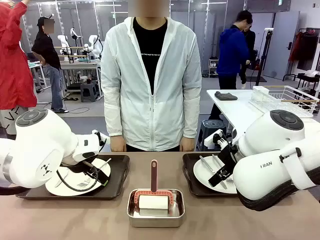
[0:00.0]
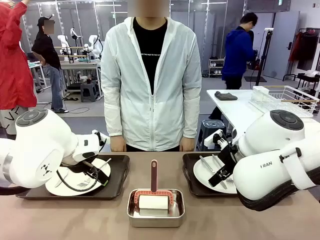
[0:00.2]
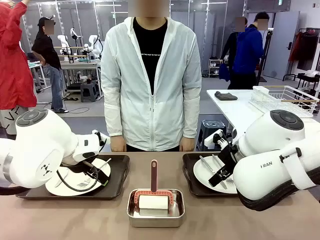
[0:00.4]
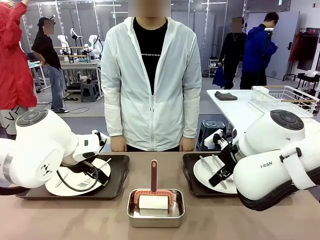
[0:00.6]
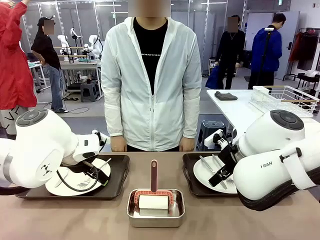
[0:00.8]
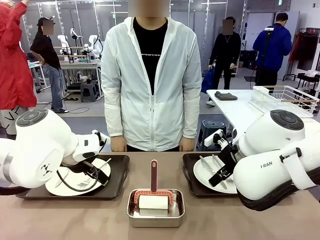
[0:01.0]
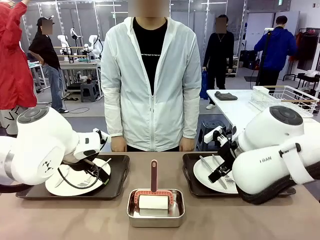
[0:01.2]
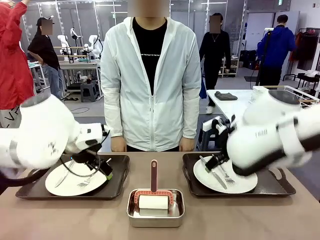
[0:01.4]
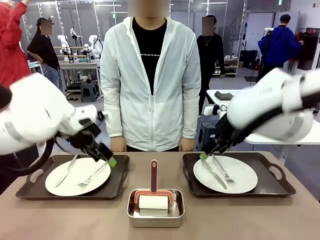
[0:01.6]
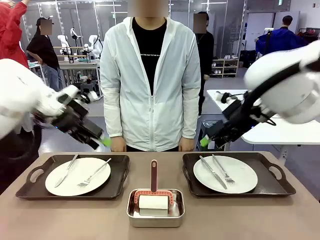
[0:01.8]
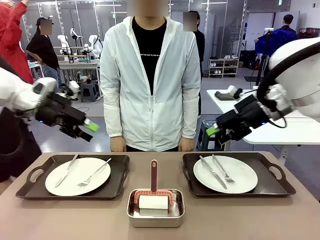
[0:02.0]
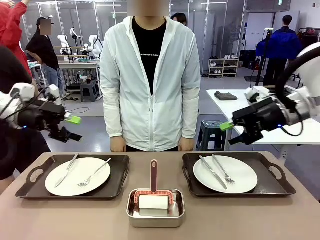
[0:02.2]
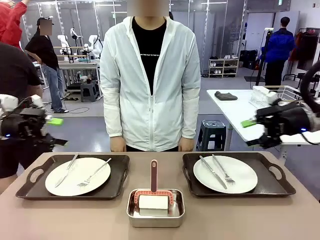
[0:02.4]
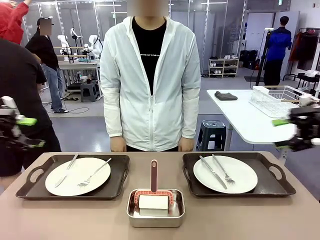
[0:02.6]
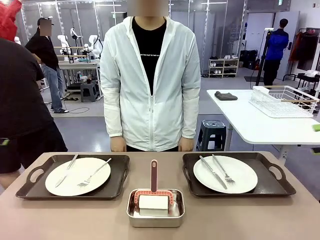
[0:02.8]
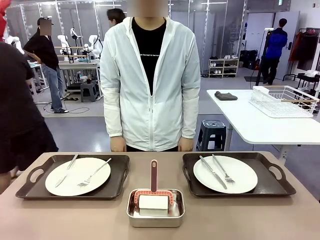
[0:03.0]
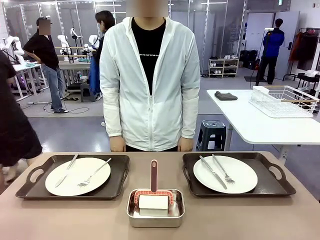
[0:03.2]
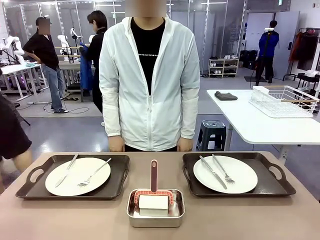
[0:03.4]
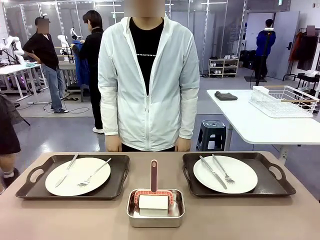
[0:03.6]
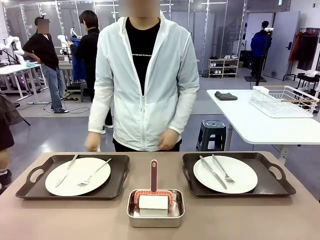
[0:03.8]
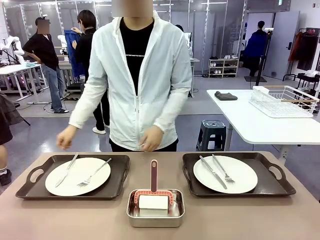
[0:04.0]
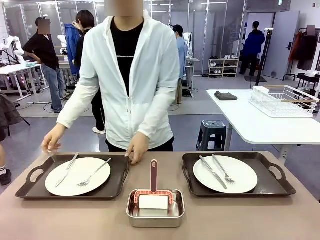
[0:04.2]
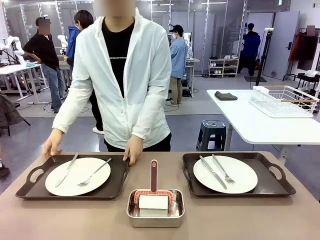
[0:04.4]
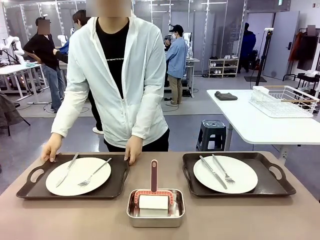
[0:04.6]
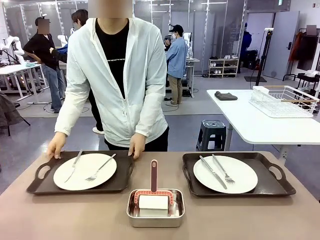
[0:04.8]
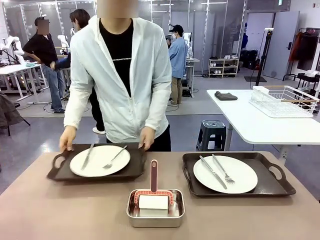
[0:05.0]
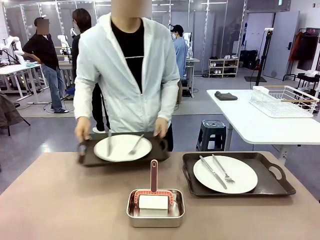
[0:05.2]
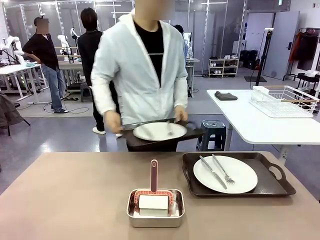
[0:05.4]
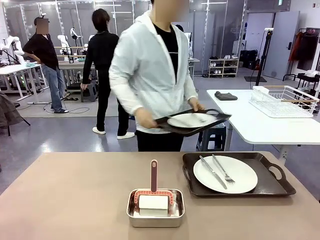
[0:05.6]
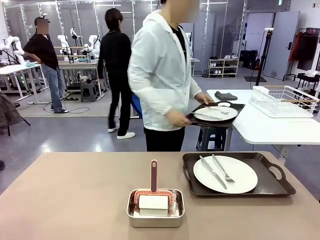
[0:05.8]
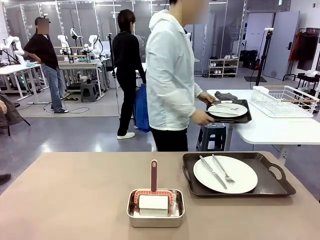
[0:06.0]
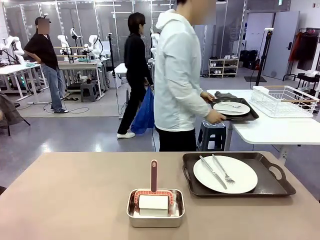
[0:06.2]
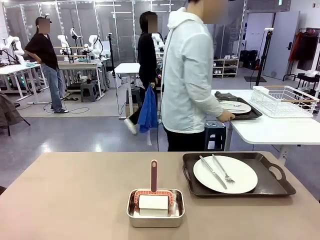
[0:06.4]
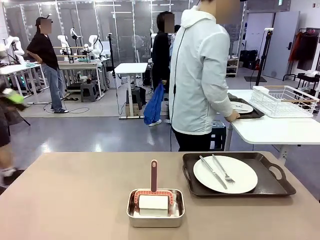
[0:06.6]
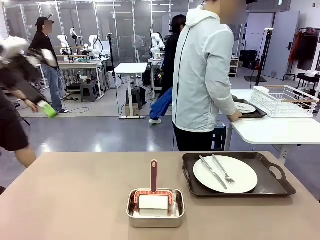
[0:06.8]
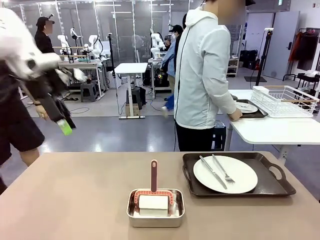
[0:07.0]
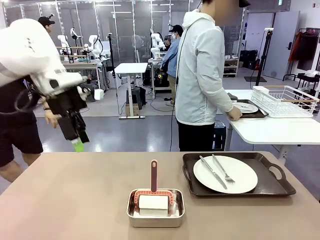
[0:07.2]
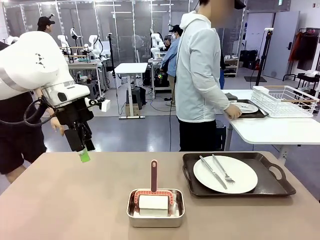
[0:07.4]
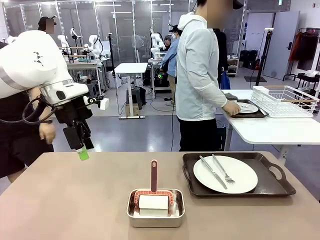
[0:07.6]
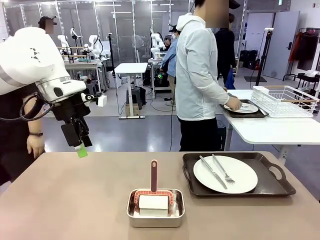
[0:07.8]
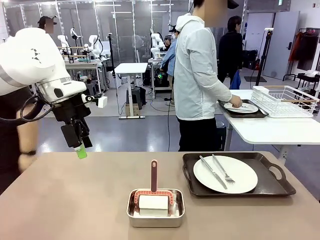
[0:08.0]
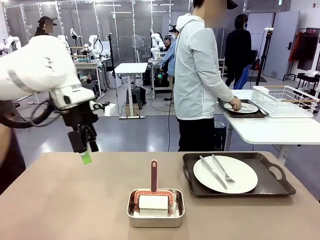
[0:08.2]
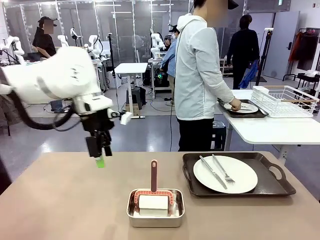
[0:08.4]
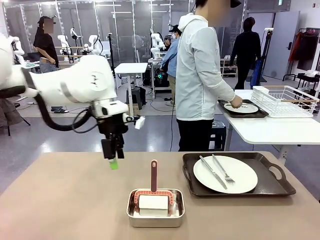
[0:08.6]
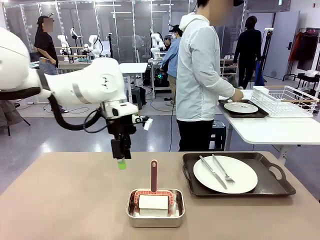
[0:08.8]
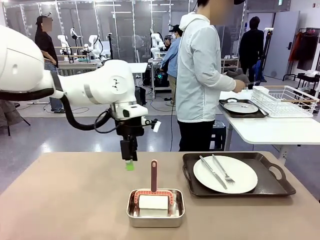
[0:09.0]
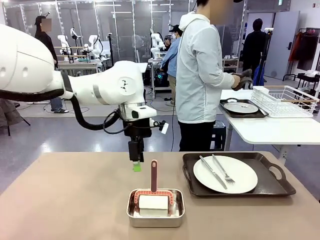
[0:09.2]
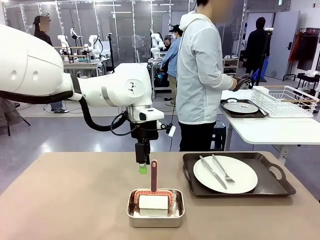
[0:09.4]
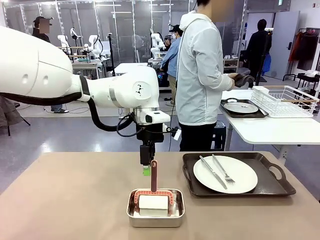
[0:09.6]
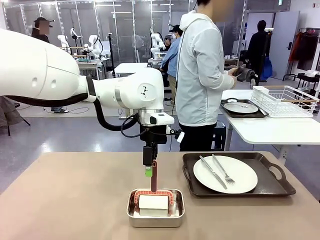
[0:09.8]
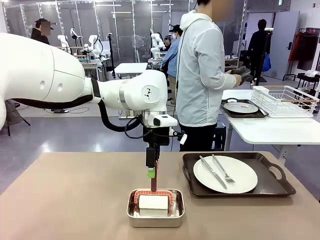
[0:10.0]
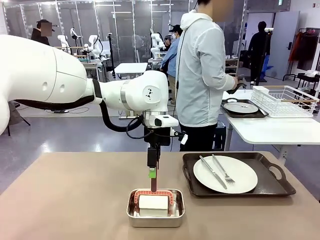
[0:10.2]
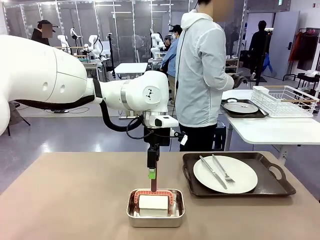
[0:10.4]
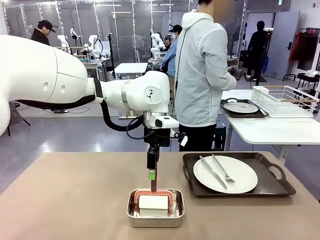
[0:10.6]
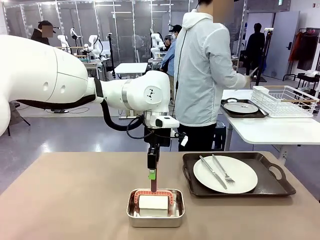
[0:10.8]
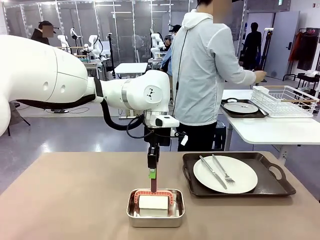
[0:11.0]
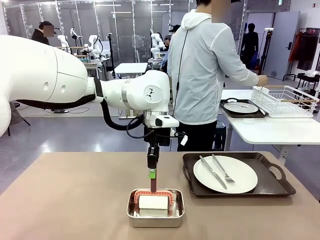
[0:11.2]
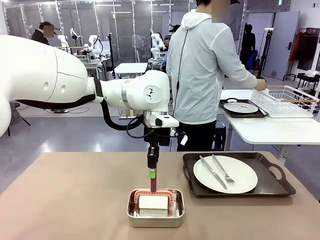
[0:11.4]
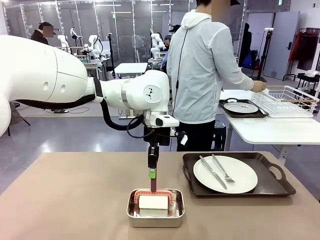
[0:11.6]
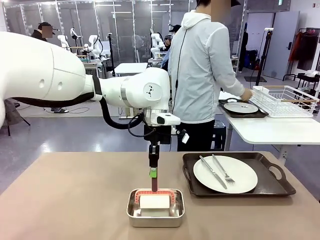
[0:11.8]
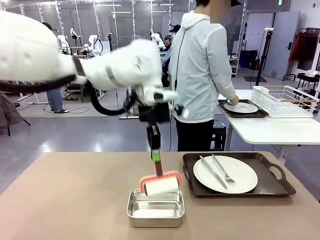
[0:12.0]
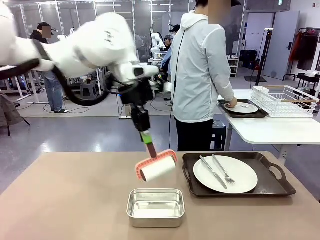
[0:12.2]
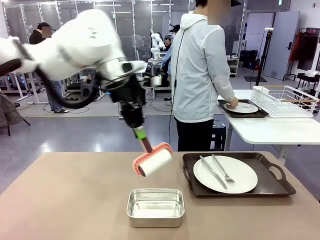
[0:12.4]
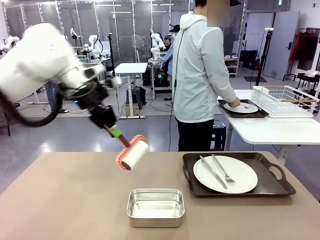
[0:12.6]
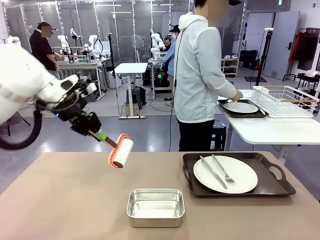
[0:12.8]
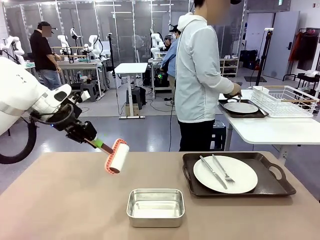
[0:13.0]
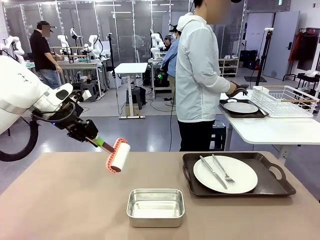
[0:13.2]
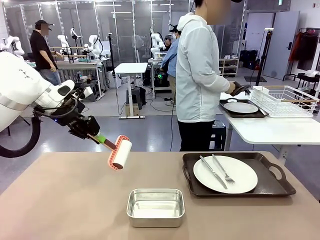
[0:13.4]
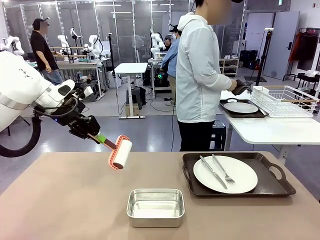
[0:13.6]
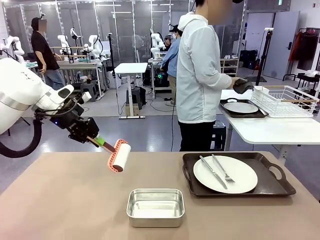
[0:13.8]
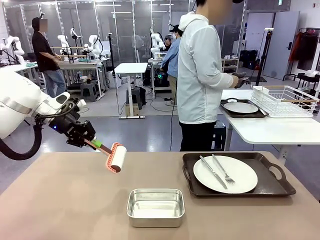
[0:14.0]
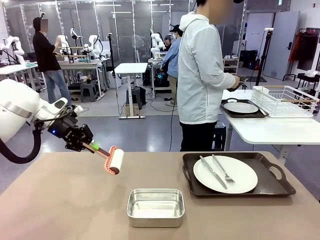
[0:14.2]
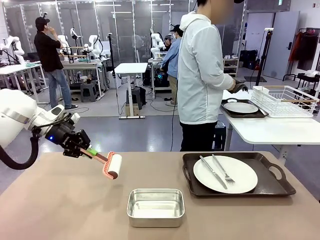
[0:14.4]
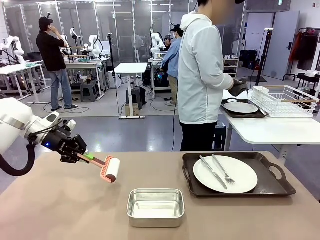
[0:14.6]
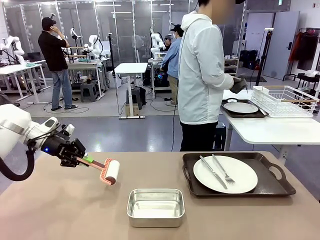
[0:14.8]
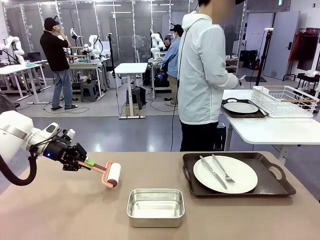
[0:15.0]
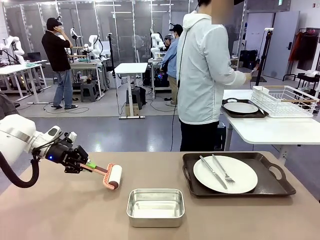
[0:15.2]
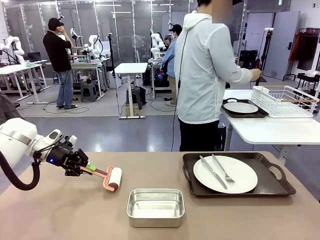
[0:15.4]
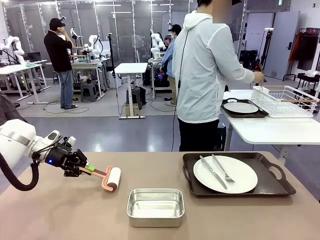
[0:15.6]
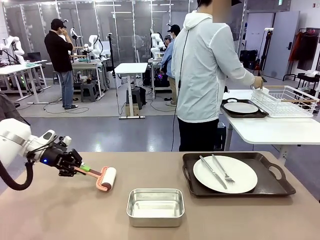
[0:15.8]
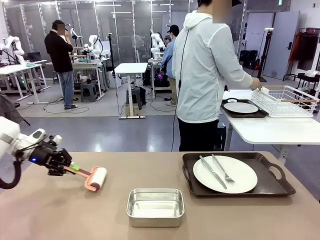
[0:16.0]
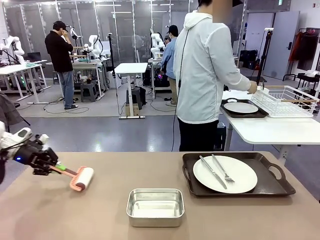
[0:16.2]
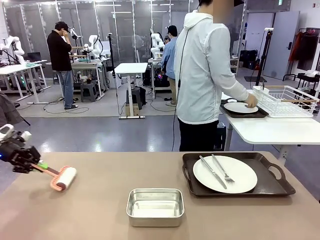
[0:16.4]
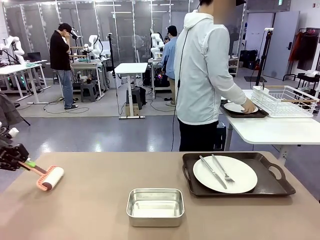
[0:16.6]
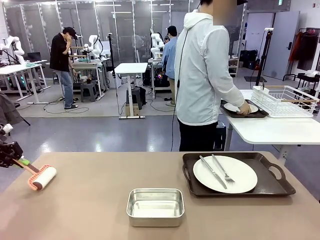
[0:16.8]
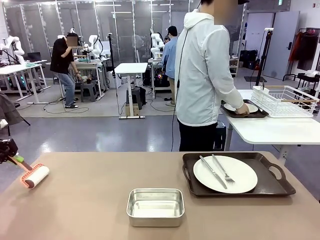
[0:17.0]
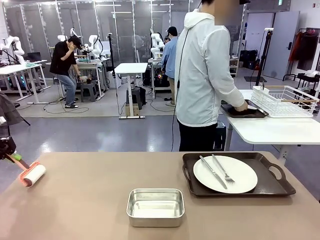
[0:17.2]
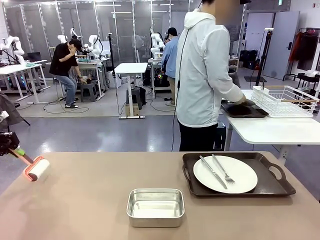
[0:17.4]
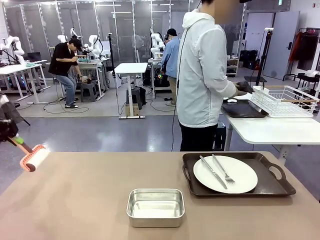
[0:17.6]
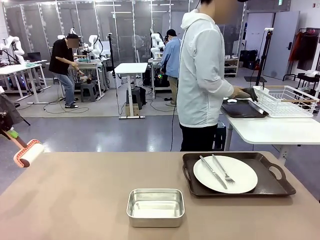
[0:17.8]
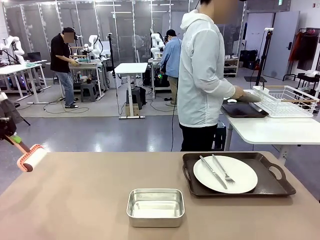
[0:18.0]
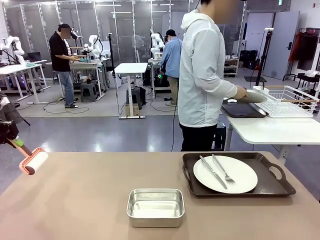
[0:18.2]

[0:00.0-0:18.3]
Robot: When the left (or right) Handle tray is removed, use the left hand (or right hand) to clean the left (or right) side of the table with the Lint Roller.
Person: Pick up the left (or right) Handle tray and place it on the middle of the Human's table. Use the Towel with hook to wipe the Plastic Matte Plate , Fork , and Knife and place into the Dish drying rack.

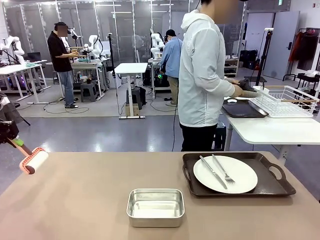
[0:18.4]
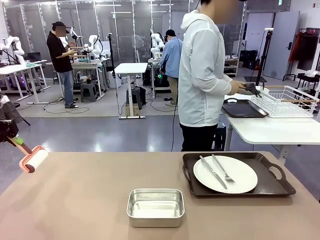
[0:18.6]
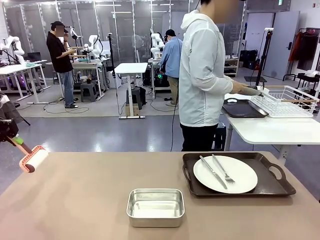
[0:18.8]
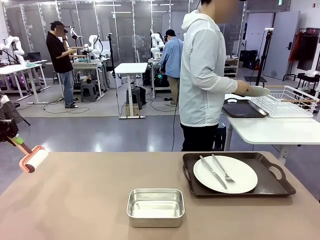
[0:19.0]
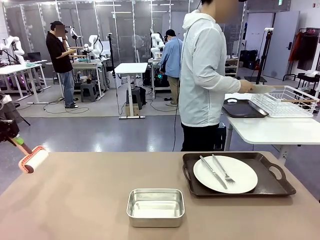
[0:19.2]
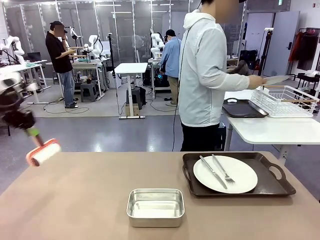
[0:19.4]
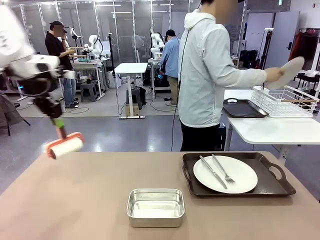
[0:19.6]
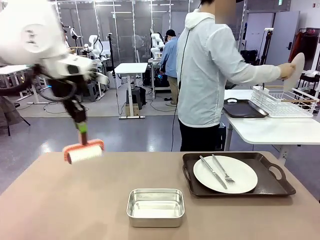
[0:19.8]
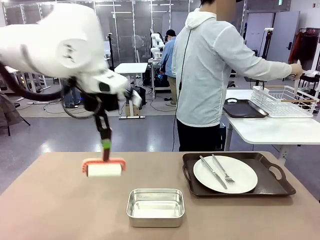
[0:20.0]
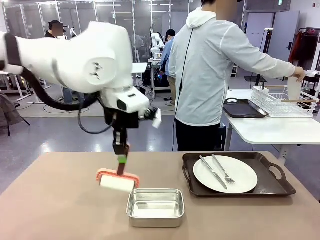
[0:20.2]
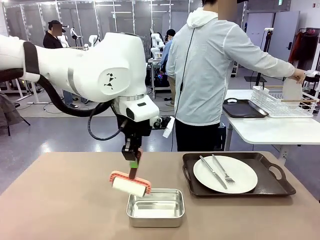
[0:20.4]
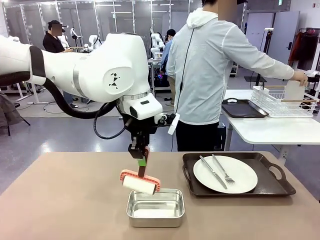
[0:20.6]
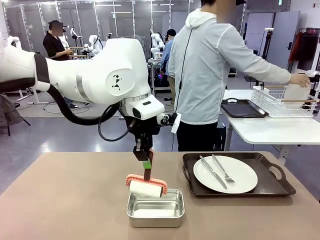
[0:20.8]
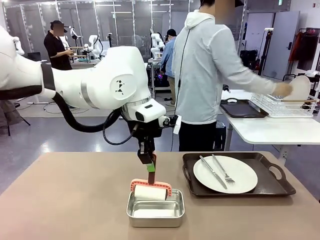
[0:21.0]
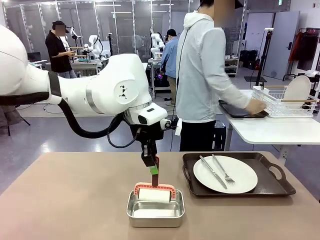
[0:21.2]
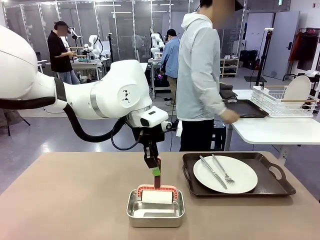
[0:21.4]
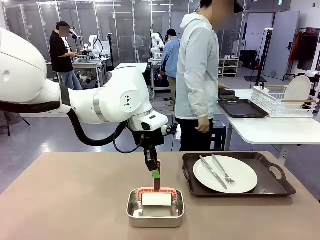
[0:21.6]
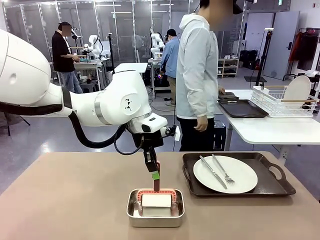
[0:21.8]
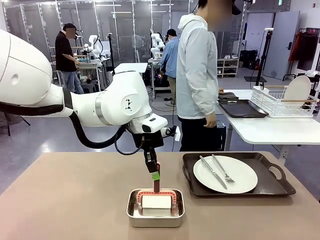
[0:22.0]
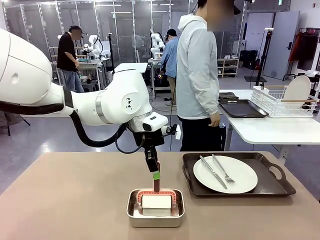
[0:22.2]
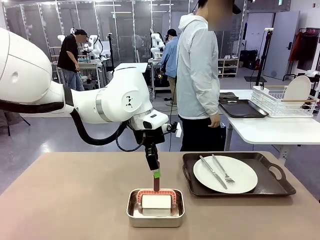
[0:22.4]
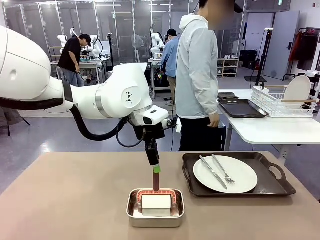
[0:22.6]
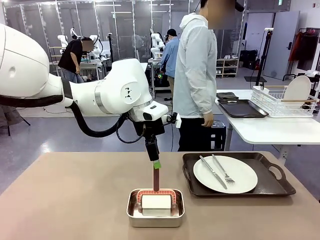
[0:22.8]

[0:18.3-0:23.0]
Robot: Place the Lint Roller back on top of the Airtight Container.
